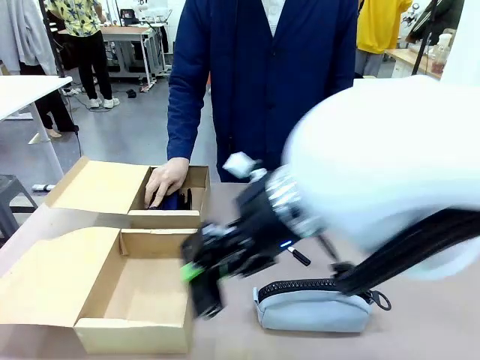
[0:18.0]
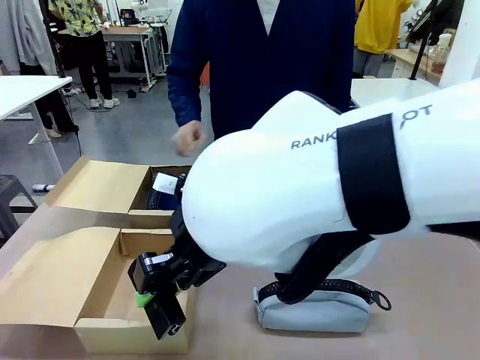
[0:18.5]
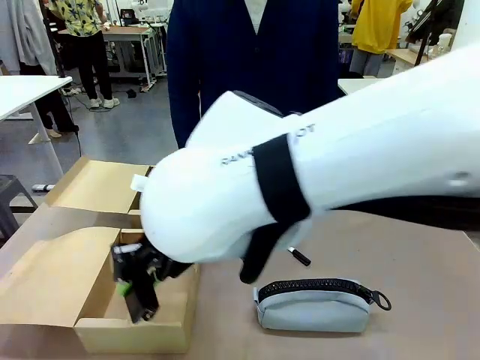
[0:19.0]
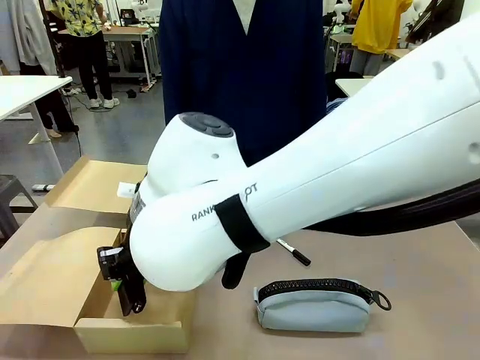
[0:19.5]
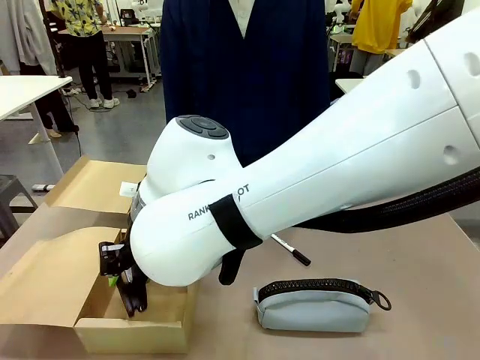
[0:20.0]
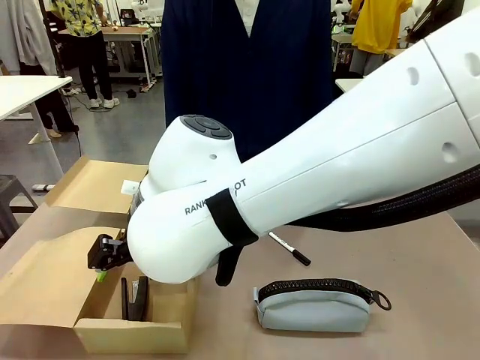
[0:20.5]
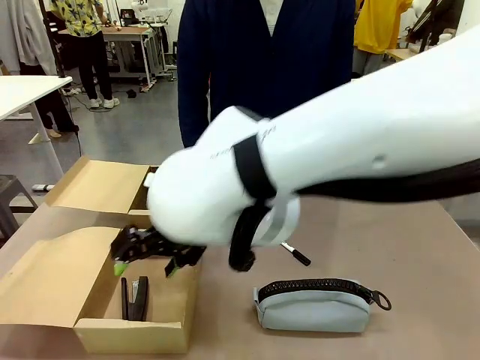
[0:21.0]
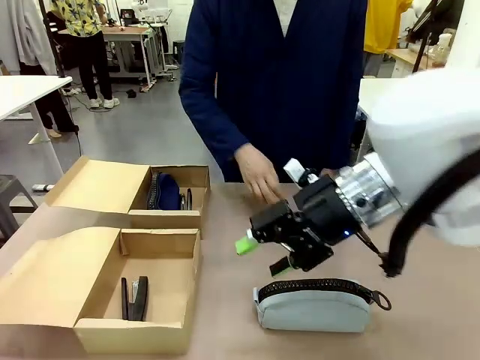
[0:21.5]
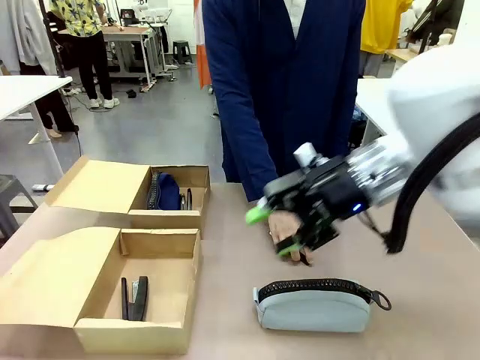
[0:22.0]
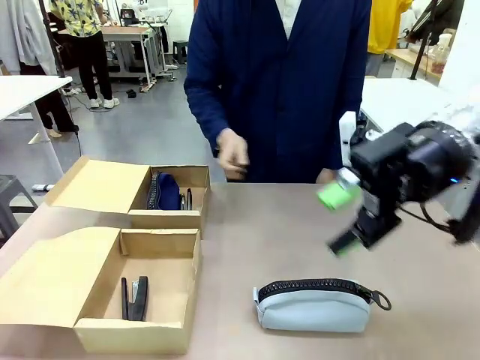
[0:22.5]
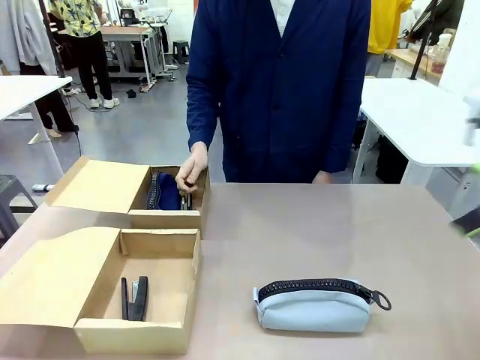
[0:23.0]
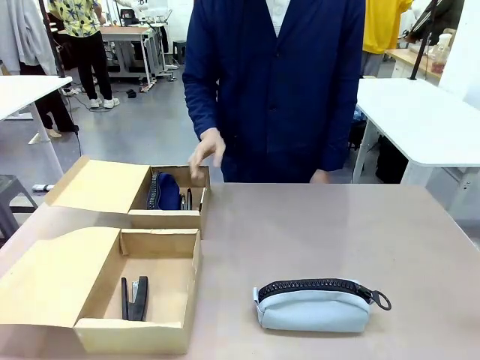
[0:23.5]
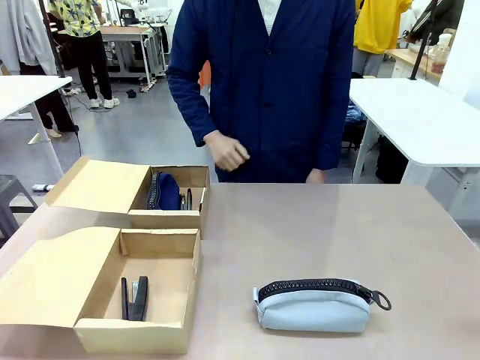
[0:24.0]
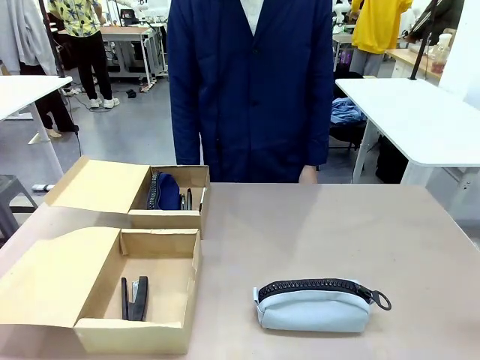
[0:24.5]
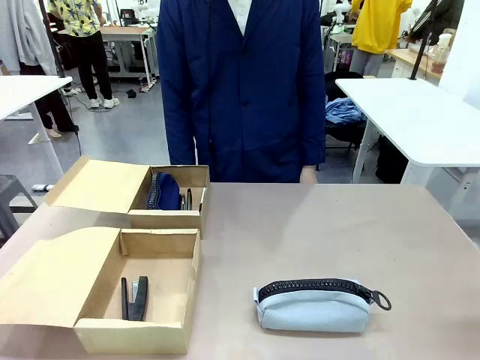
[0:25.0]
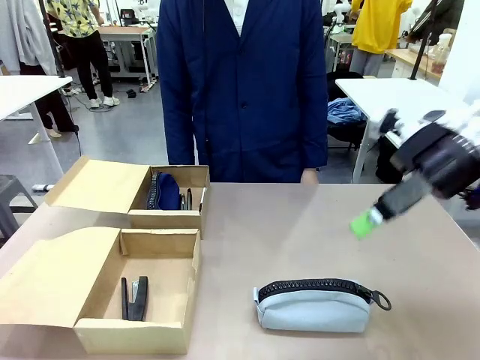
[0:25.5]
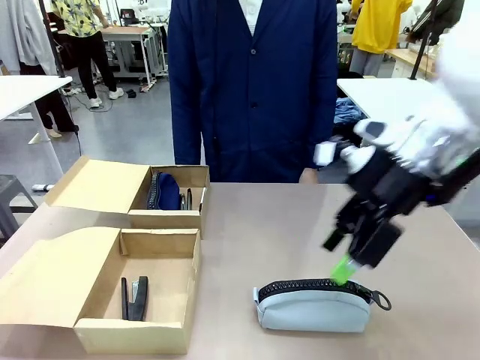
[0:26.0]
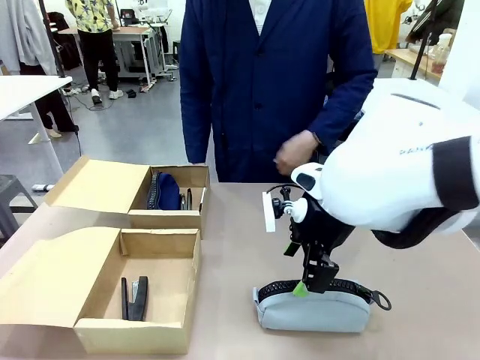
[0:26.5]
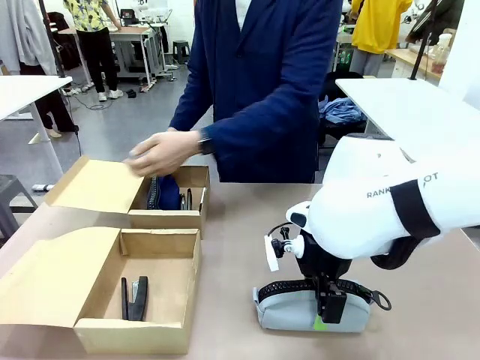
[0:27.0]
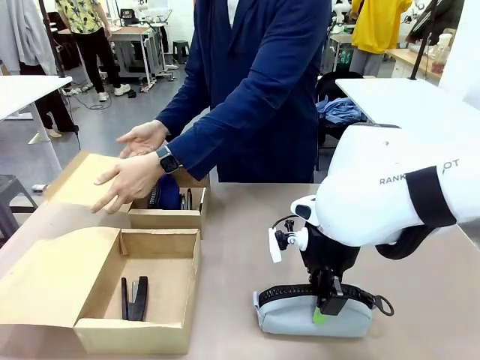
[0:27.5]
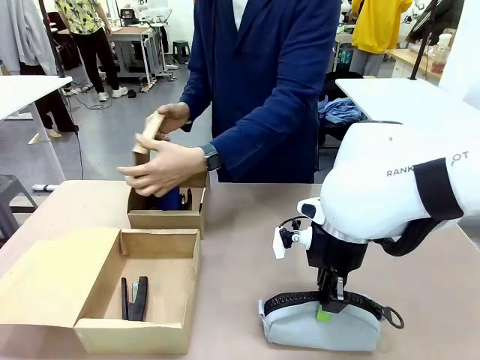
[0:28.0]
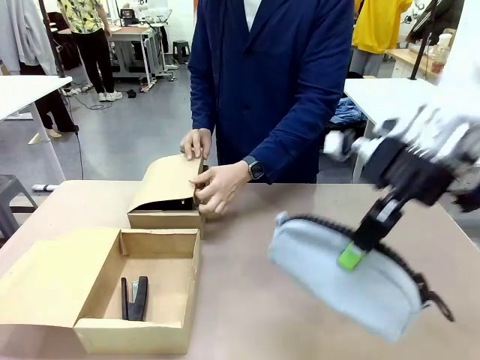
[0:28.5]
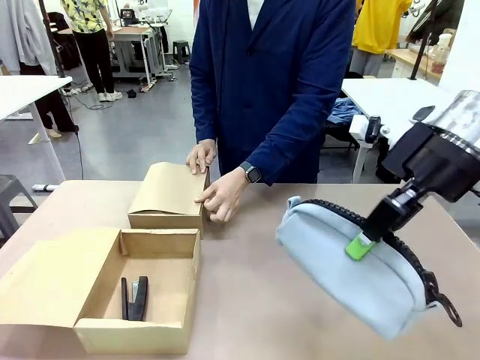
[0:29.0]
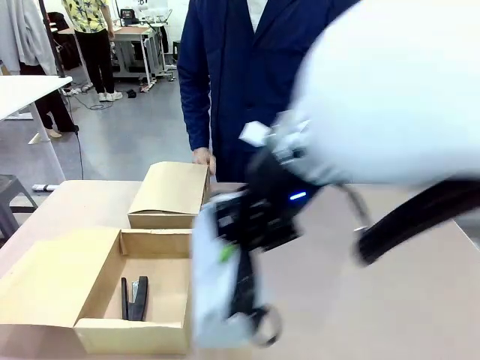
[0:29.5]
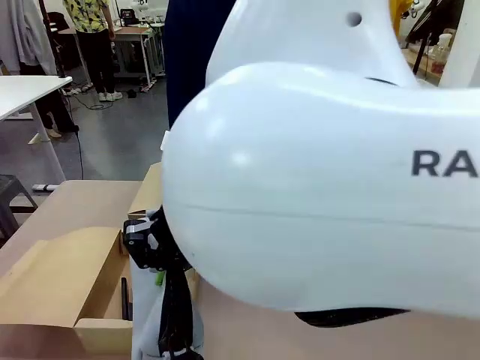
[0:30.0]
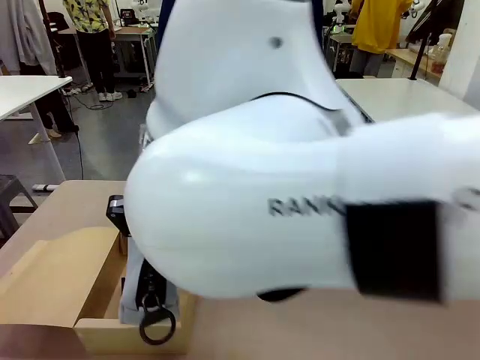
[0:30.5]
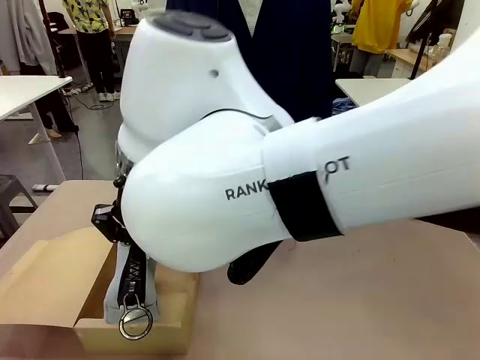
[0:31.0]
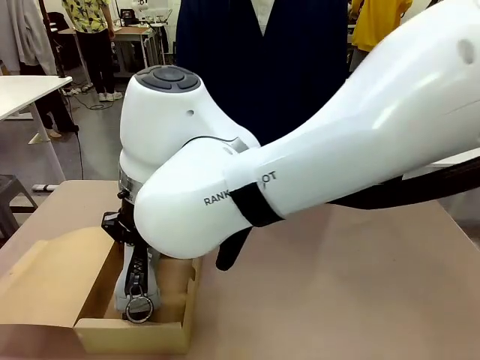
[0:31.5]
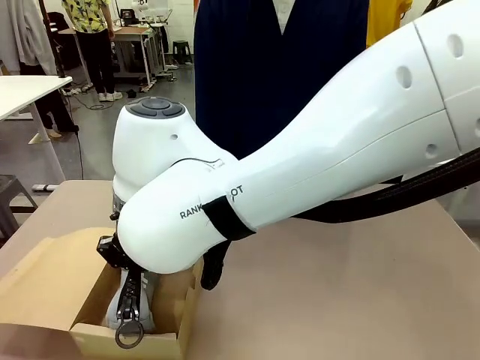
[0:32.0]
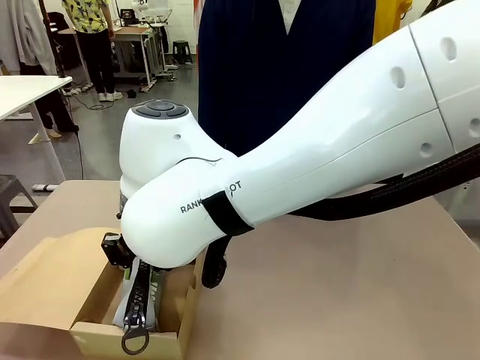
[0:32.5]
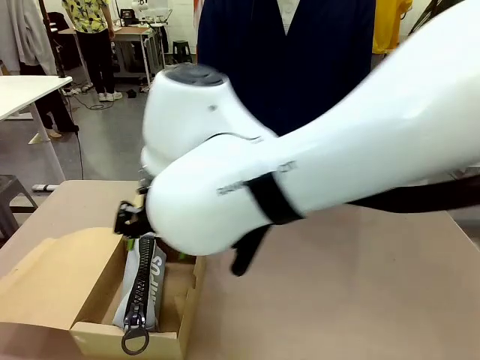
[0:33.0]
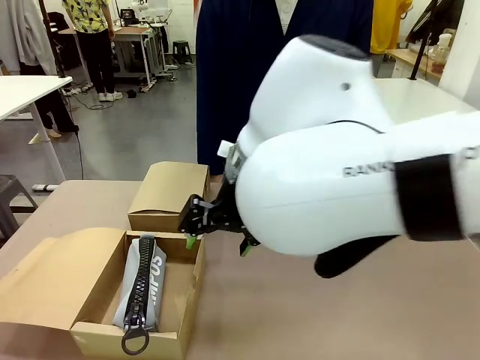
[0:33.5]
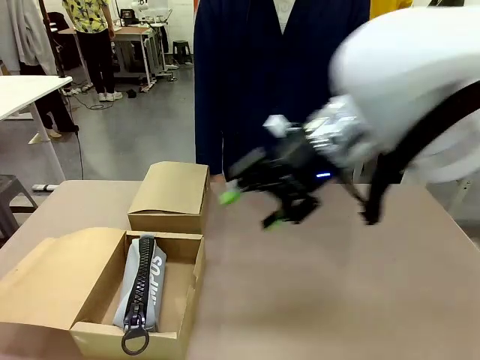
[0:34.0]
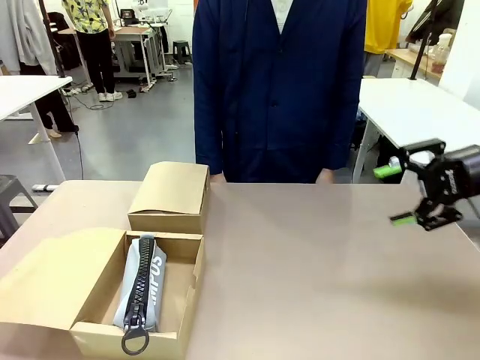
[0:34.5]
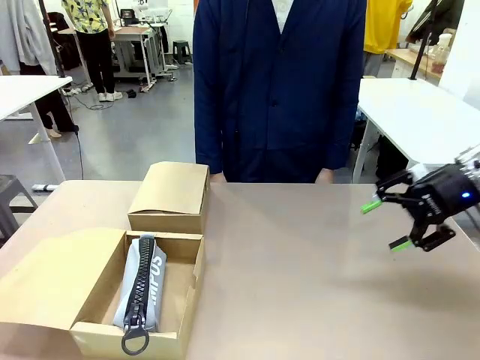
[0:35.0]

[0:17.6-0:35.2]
Task: Place items inside the box.
Robot: Pick up a Pencil pouch or Stapler and place it inside the Mailer Box closest to the robot.

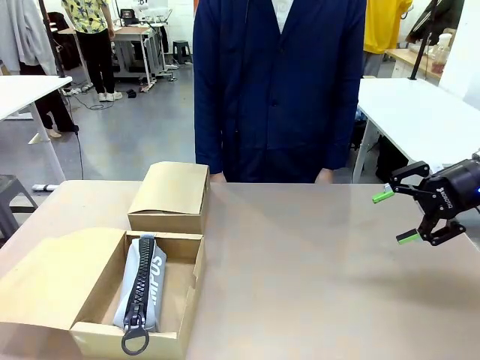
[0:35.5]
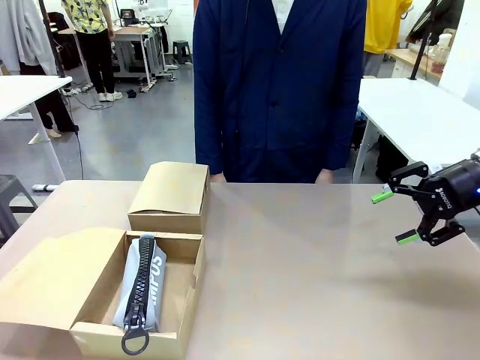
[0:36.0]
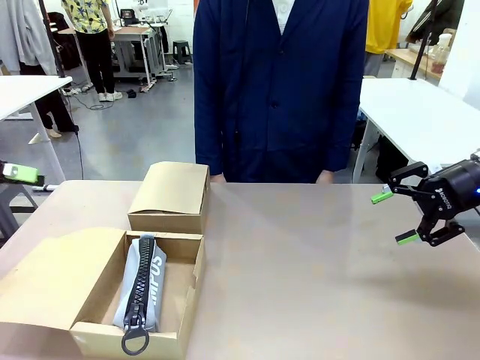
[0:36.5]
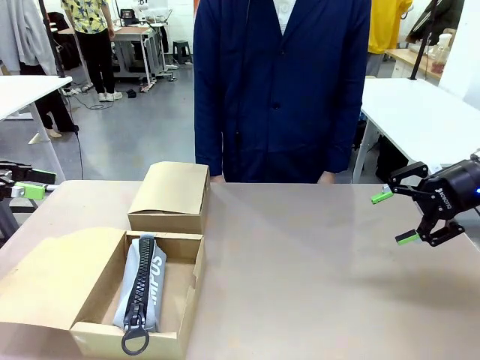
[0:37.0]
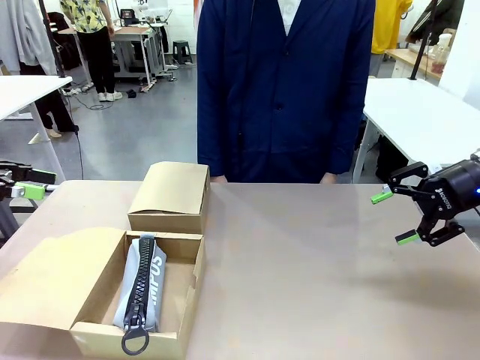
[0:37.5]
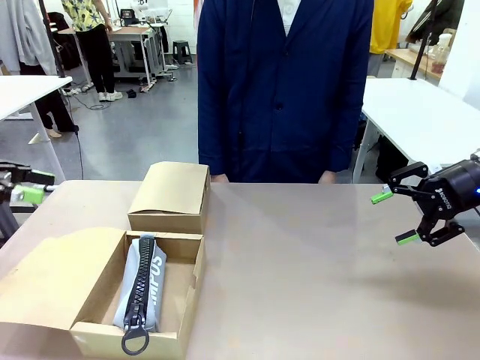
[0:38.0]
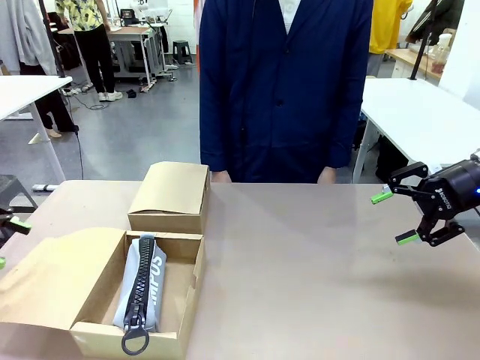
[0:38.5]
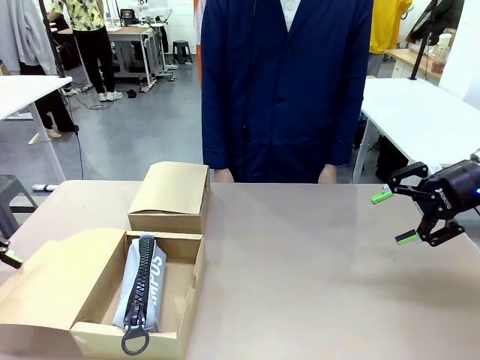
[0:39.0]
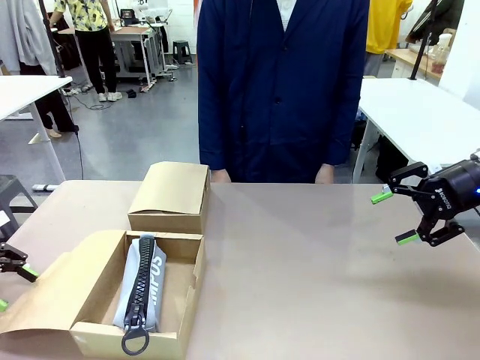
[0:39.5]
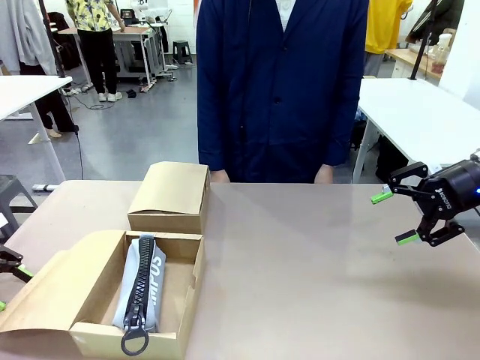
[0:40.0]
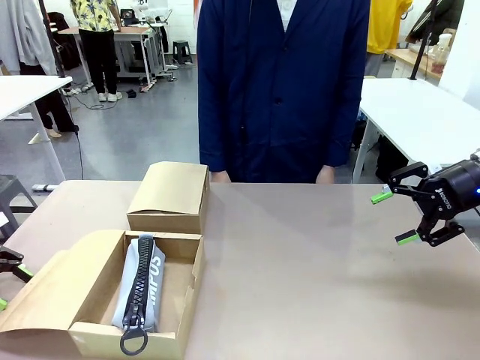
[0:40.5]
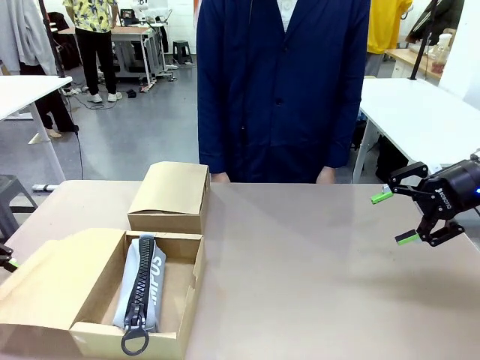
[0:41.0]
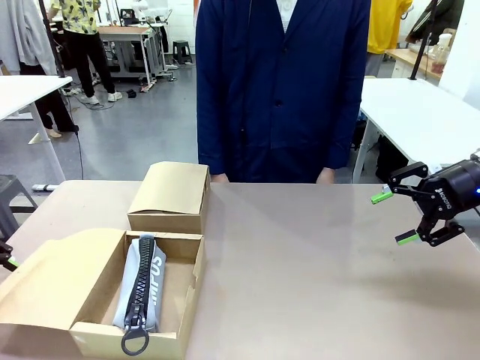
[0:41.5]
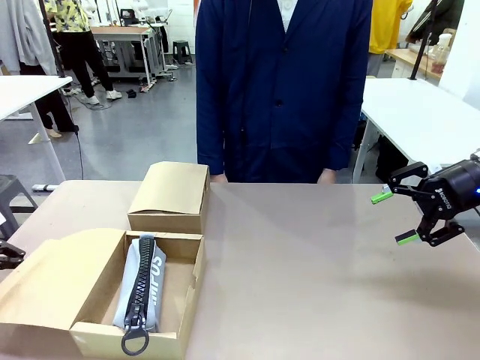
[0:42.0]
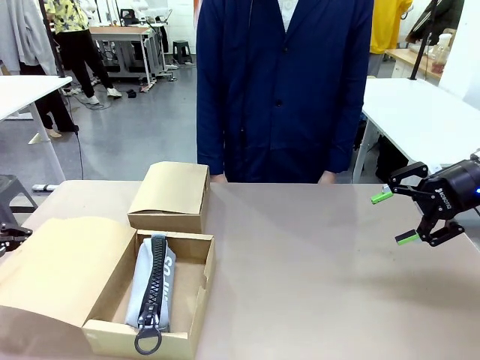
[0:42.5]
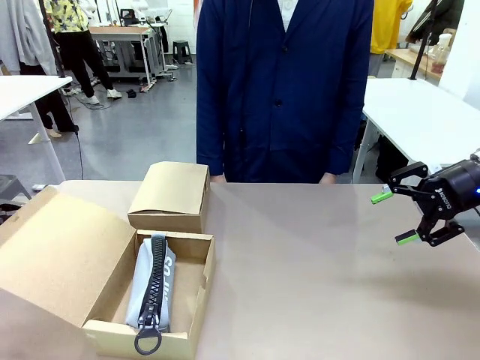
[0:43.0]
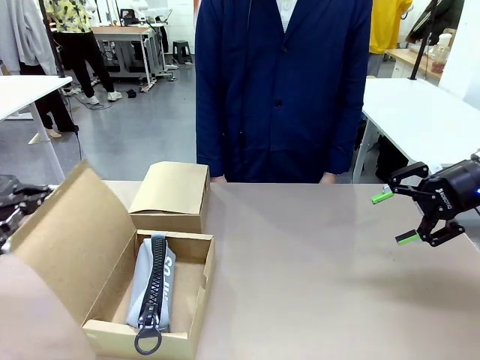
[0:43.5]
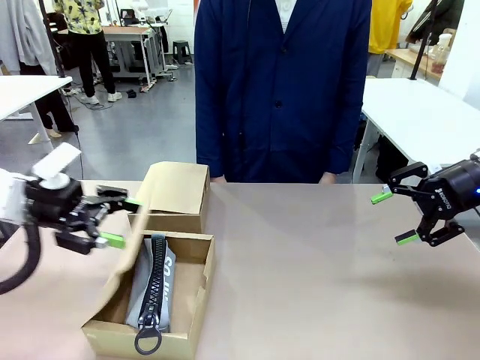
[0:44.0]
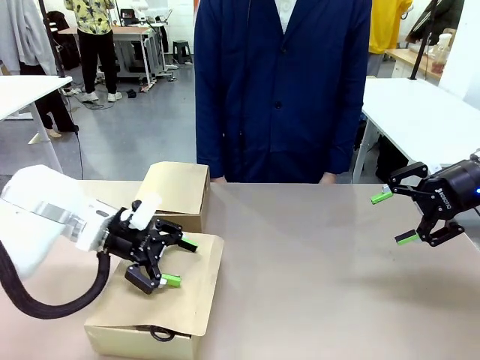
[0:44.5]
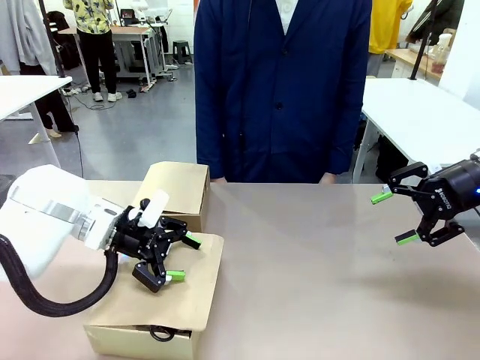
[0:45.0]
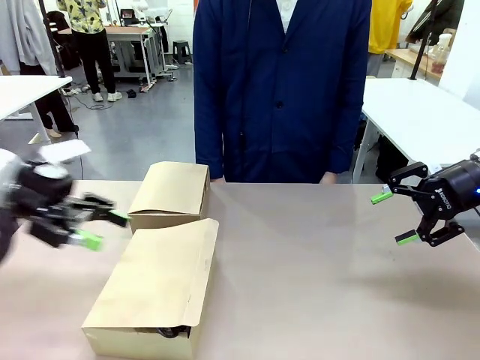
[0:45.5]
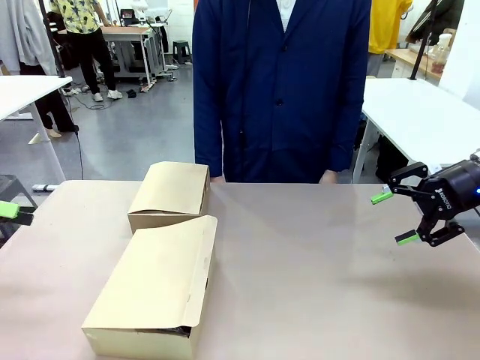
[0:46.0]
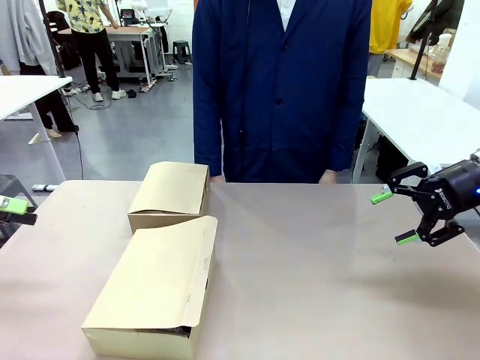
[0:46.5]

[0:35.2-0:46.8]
Robot: Close the lid of the Mailer Box closest to the robot.
Person: Close the lid of the box facing the person.
